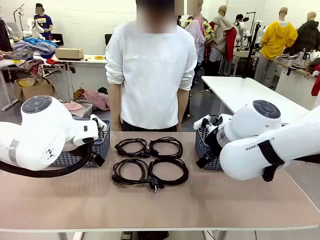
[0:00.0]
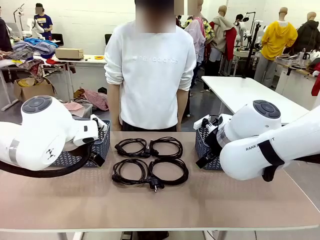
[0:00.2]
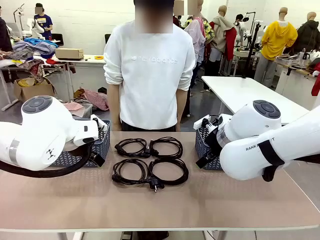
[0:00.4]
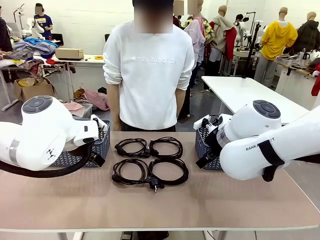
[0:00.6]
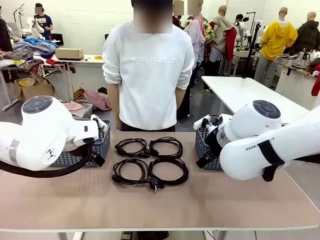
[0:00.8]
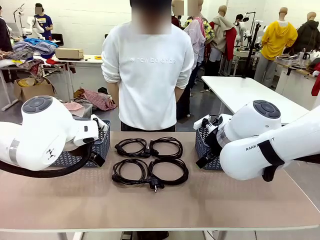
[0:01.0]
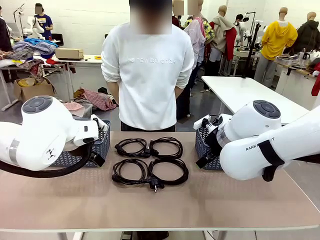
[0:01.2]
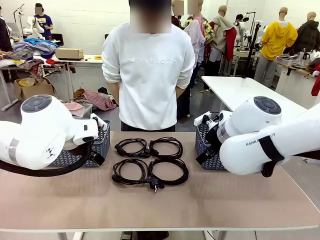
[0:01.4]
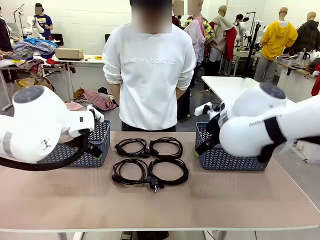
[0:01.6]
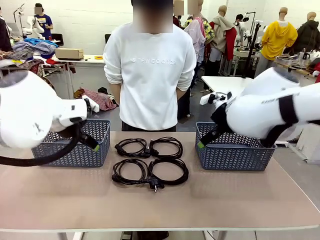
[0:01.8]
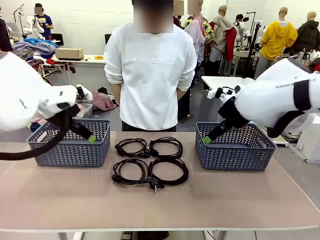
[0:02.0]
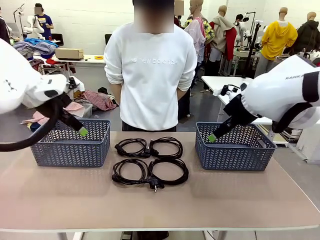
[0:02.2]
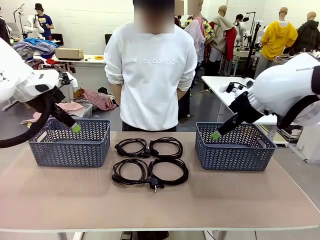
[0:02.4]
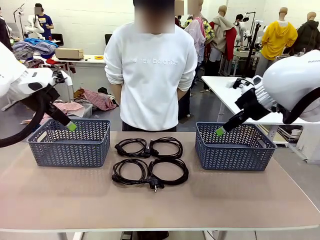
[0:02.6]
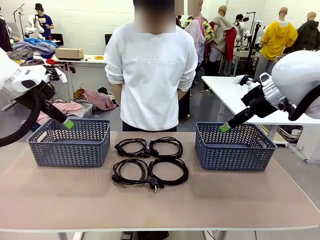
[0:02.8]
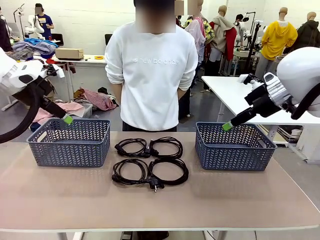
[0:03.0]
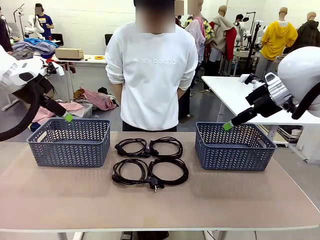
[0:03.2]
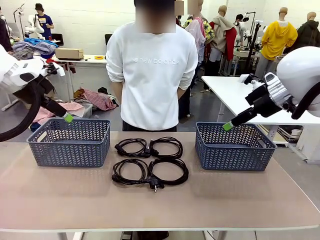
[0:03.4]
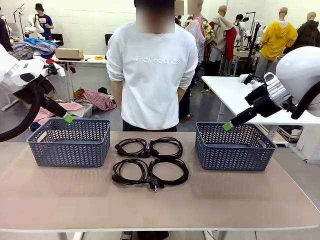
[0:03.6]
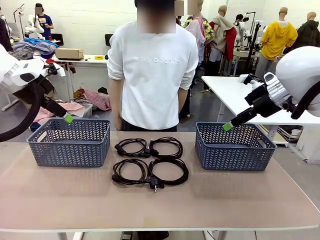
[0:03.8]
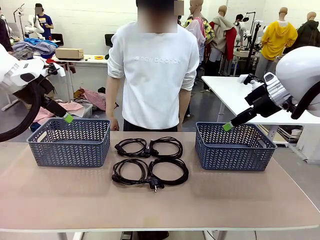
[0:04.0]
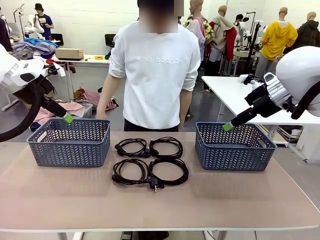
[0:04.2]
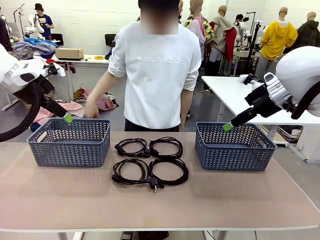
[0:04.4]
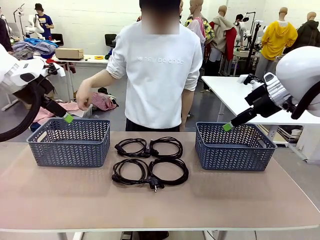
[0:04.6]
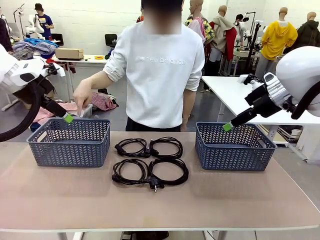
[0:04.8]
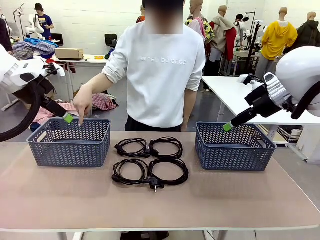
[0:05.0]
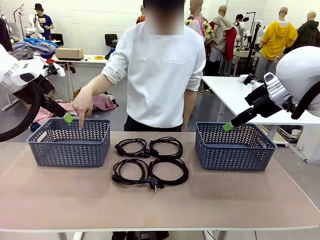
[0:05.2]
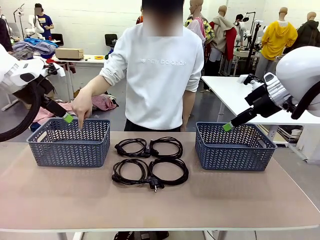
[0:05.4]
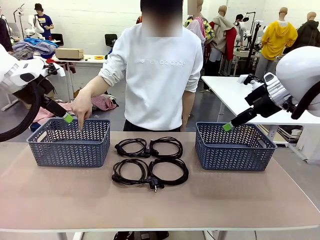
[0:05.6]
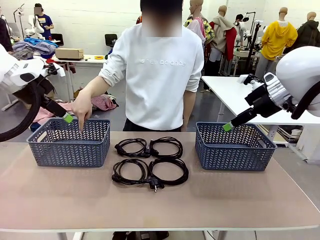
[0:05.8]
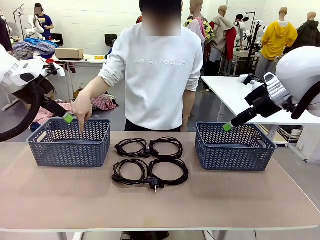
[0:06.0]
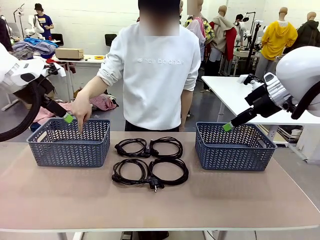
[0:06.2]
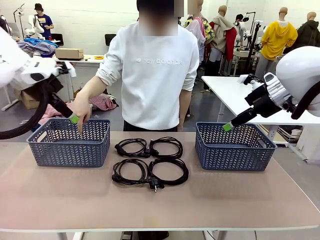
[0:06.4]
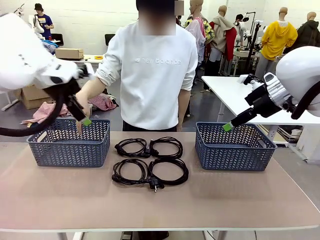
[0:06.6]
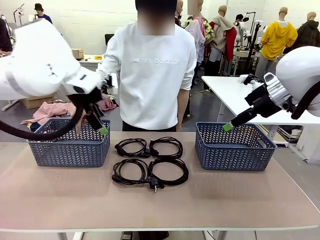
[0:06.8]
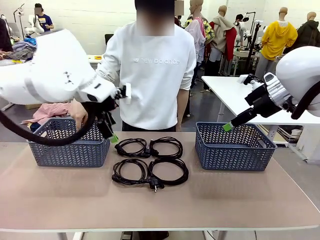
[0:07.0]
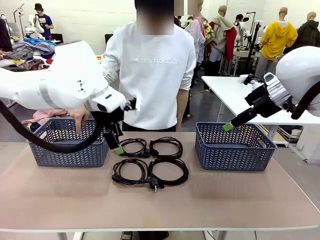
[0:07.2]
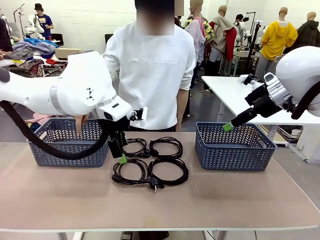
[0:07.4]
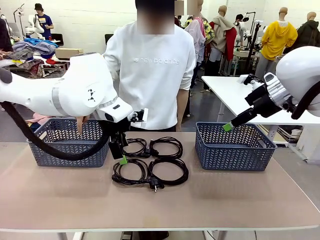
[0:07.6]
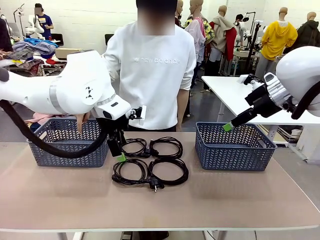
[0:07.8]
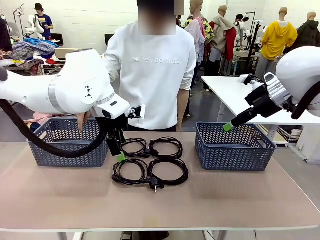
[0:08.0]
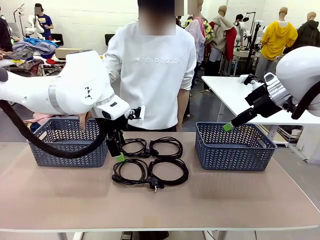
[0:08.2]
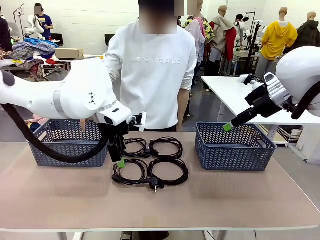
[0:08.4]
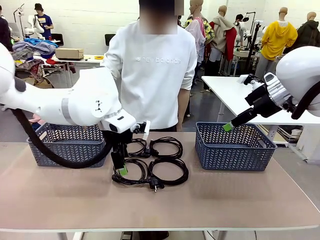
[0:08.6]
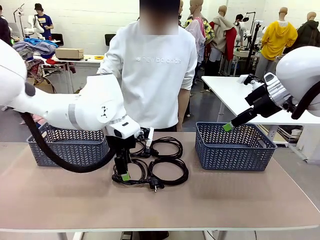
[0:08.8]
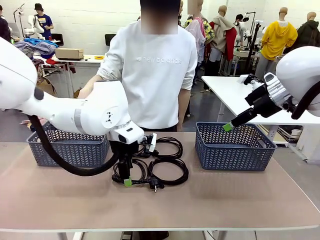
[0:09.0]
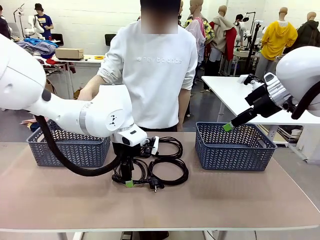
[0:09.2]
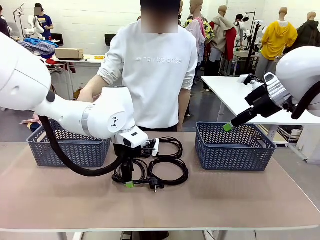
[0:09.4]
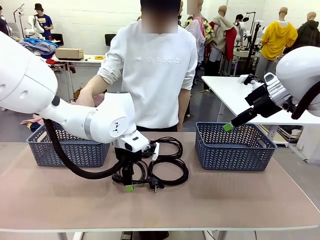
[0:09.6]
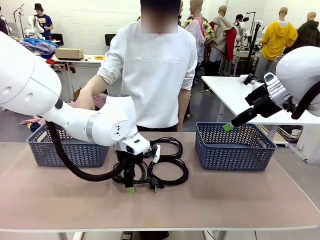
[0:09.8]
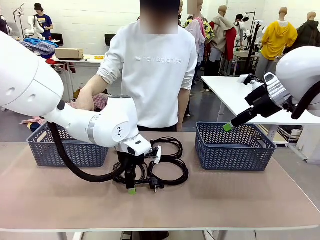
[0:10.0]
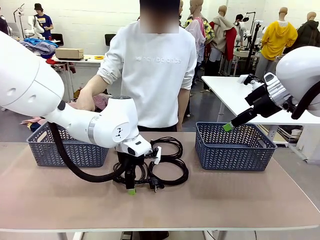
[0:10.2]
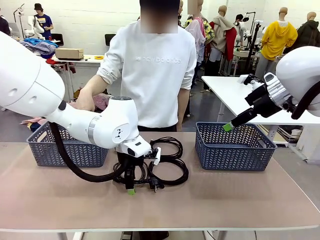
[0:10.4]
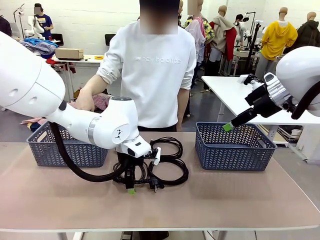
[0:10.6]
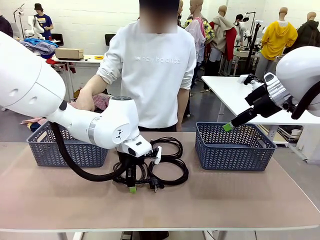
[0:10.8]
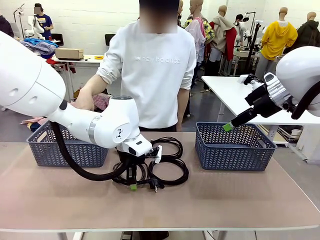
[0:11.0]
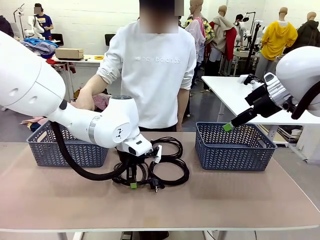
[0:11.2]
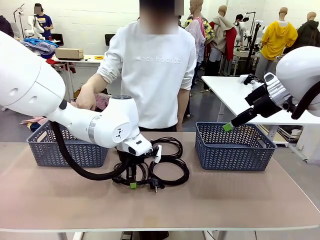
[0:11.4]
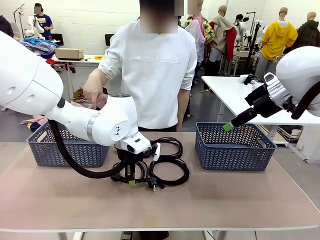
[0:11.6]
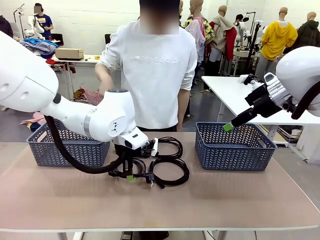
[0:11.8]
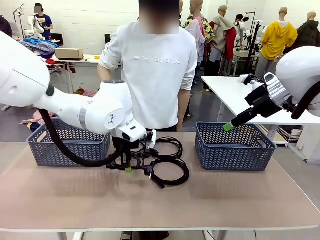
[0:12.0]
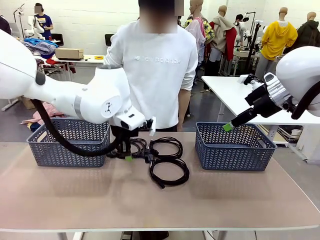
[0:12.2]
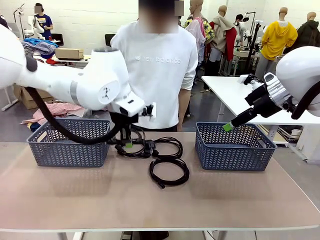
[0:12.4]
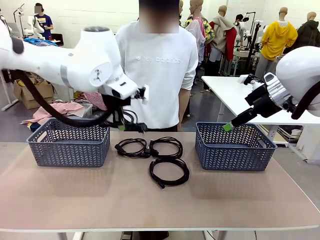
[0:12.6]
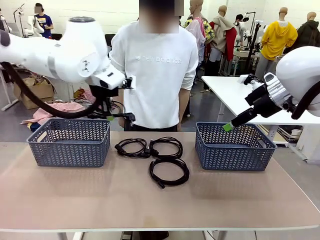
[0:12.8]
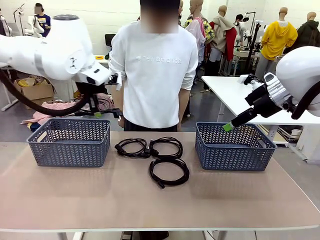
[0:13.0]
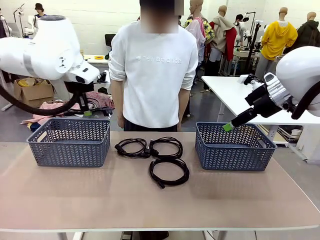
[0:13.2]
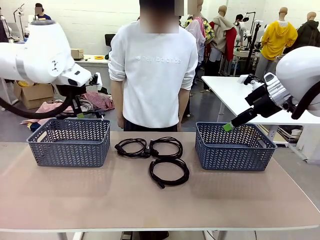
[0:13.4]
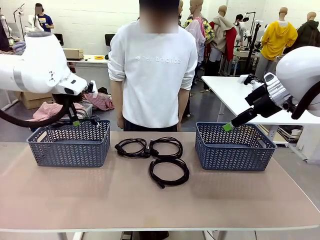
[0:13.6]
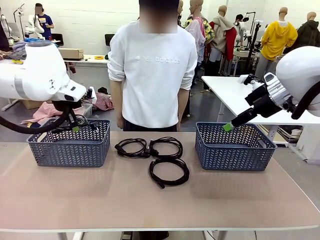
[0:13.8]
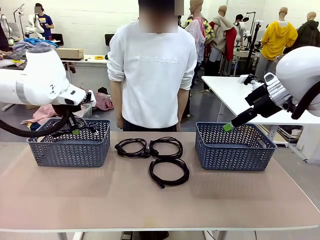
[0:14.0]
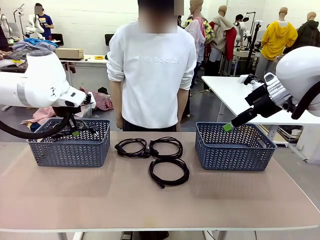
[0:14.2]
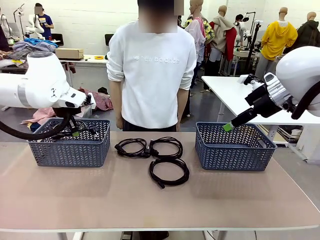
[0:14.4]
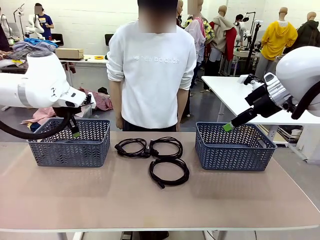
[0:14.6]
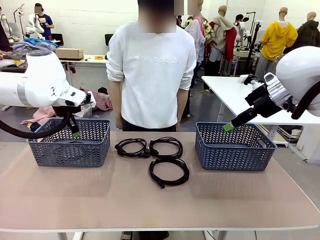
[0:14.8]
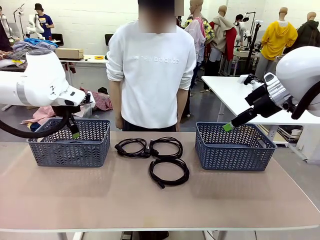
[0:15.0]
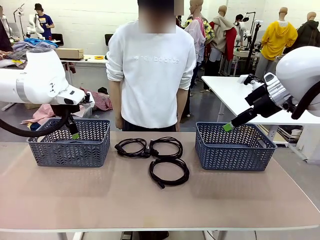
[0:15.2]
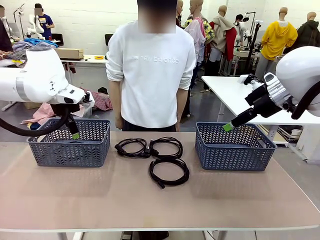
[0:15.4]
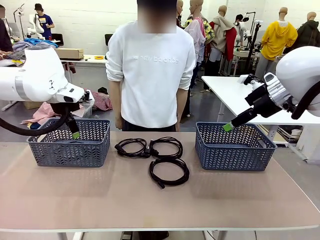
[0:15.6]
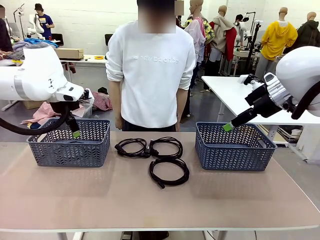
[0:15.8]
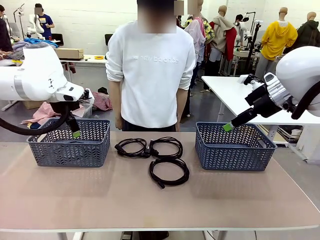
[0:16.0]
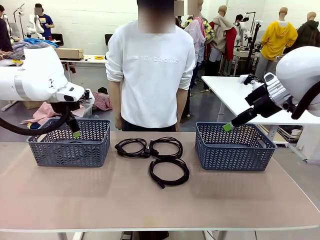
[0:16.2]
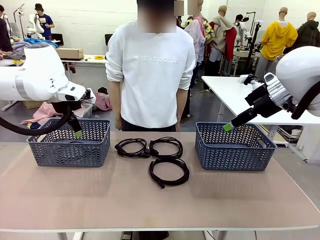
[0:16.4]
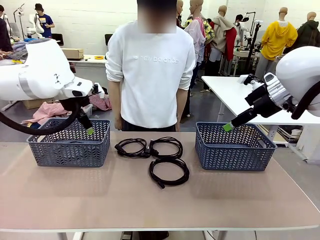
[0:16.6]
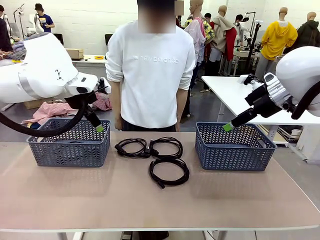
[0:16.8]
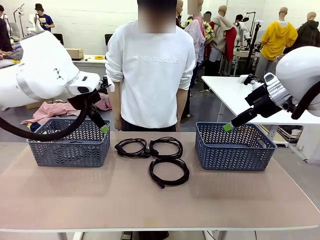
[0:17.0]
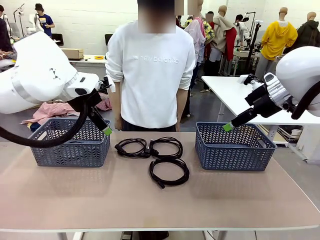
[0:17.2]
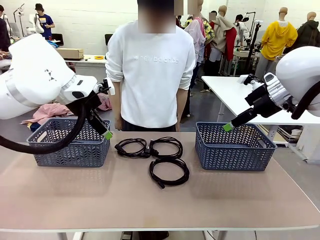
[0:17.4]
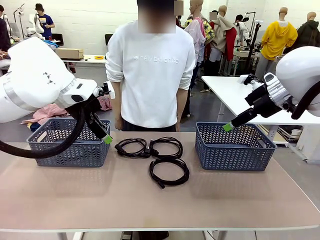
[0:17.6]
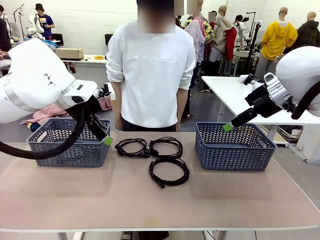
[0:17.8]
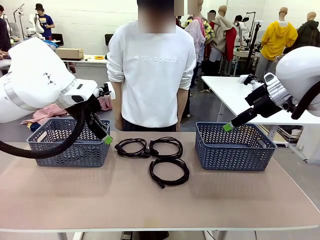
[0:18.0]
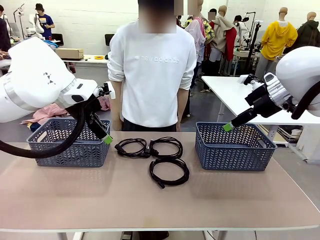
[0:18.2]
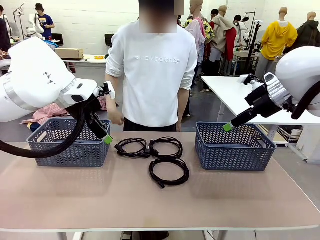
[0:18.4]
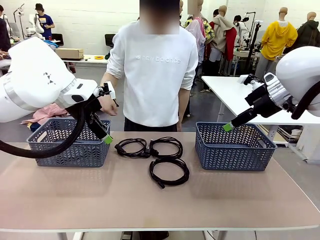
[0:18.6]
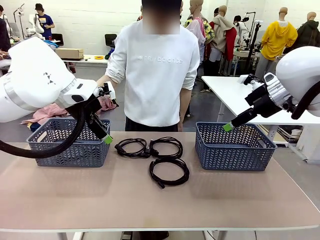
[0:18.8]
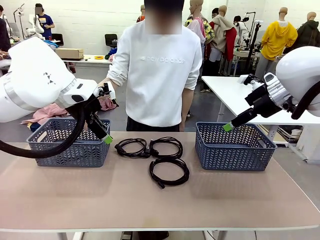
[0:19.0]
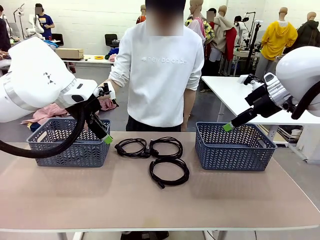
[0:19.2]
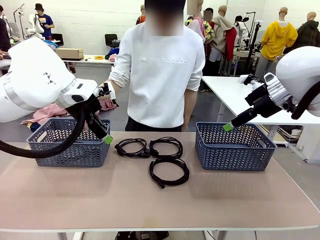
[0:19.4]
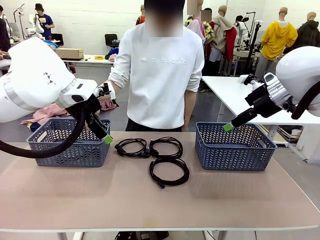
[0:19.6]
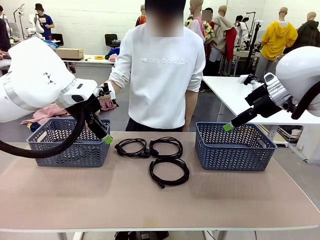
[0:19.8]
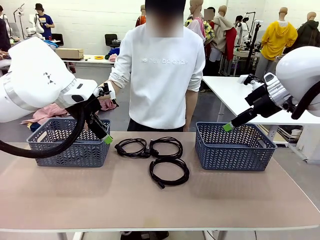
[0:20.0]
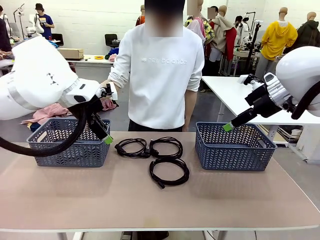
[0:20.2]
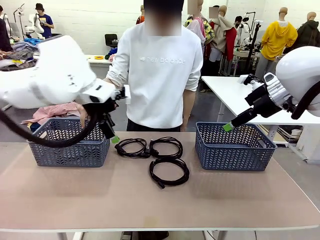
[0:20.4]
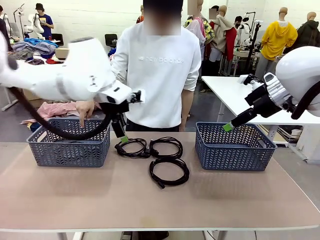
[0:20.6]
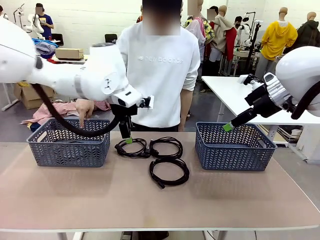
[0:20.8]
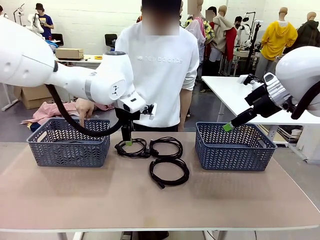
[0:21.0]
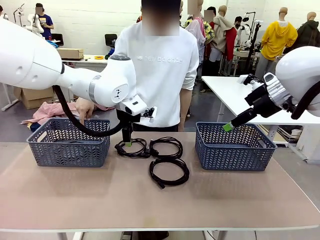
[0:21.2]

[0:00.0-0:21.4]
Task: Organize the cables according to human instructions.
Robot: Pick up a bundle of cables and place it in the basket indicated by the human.
